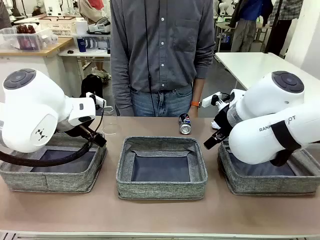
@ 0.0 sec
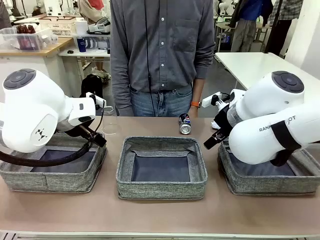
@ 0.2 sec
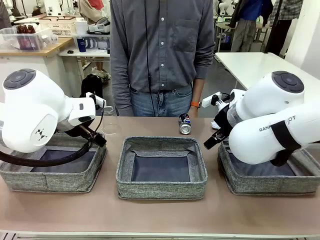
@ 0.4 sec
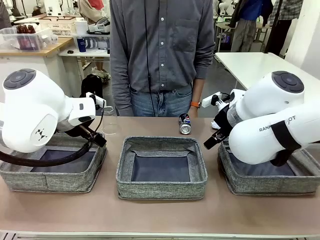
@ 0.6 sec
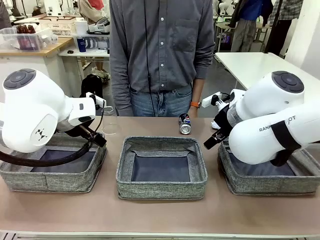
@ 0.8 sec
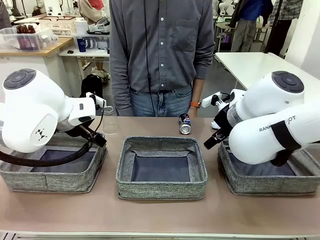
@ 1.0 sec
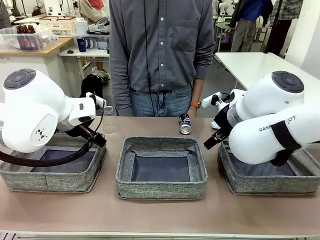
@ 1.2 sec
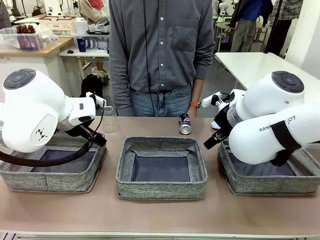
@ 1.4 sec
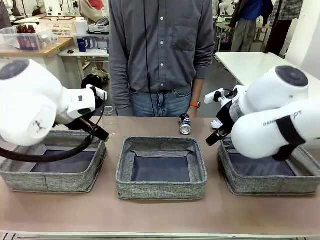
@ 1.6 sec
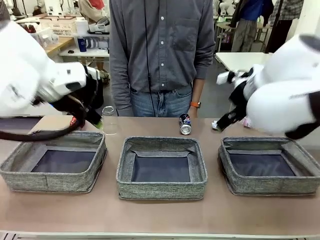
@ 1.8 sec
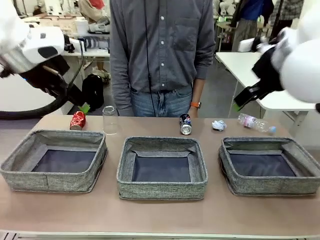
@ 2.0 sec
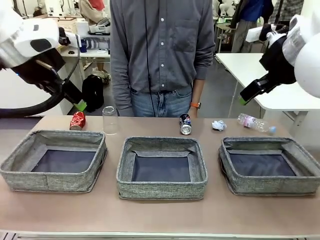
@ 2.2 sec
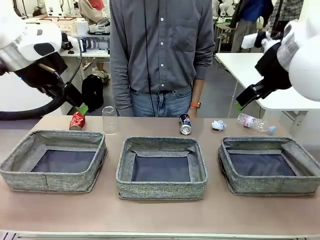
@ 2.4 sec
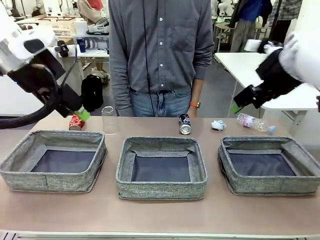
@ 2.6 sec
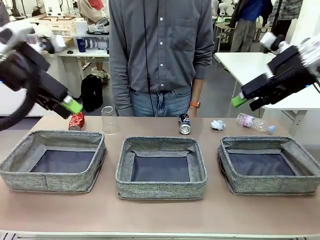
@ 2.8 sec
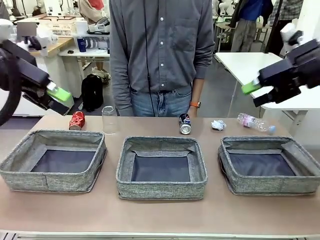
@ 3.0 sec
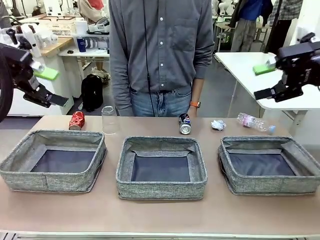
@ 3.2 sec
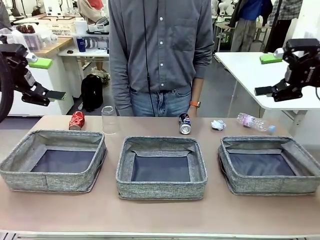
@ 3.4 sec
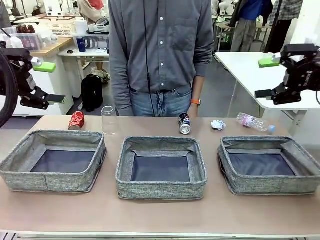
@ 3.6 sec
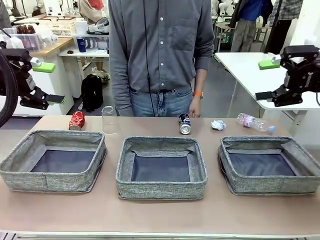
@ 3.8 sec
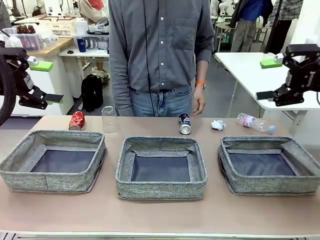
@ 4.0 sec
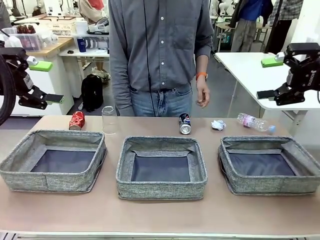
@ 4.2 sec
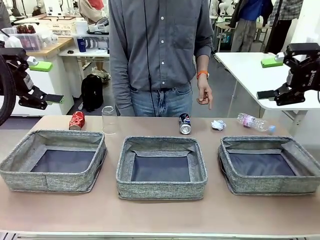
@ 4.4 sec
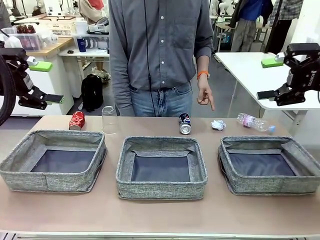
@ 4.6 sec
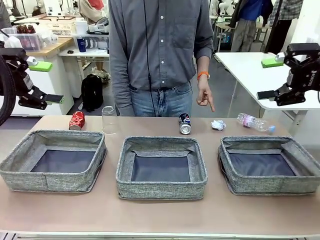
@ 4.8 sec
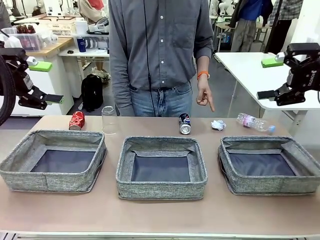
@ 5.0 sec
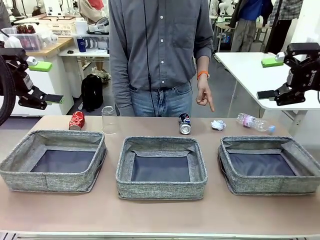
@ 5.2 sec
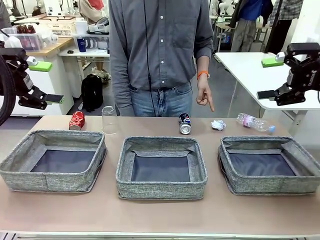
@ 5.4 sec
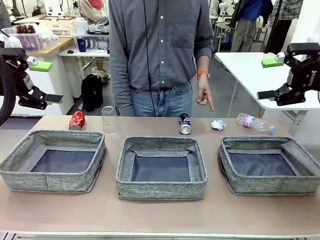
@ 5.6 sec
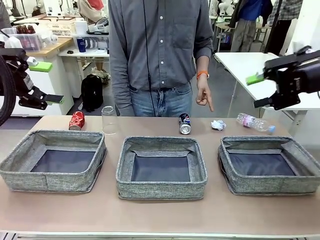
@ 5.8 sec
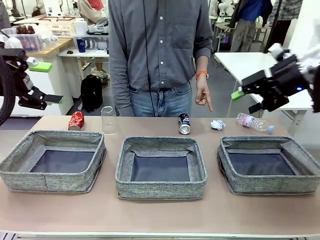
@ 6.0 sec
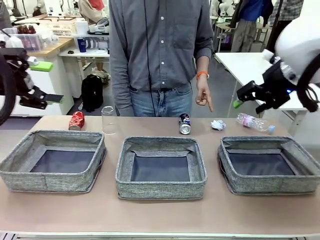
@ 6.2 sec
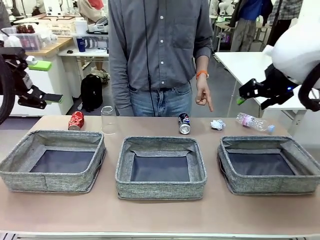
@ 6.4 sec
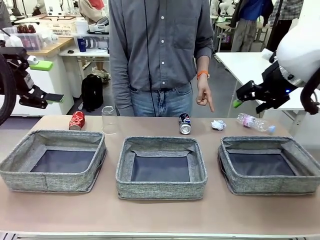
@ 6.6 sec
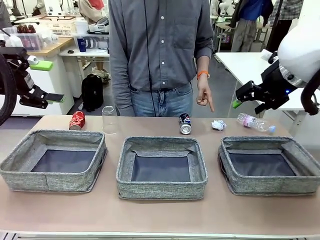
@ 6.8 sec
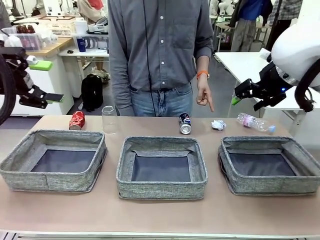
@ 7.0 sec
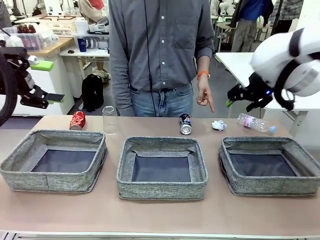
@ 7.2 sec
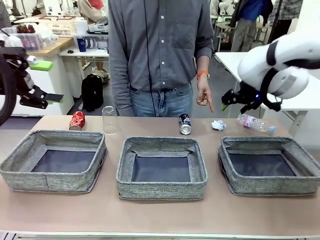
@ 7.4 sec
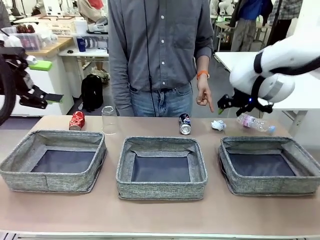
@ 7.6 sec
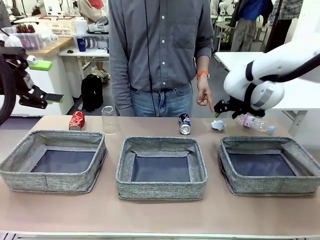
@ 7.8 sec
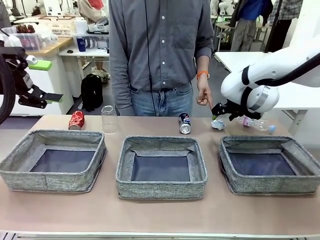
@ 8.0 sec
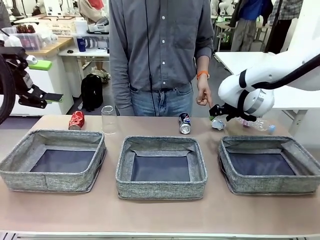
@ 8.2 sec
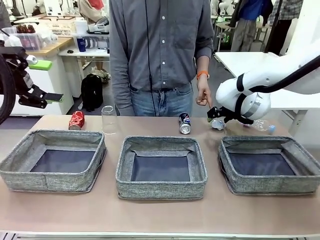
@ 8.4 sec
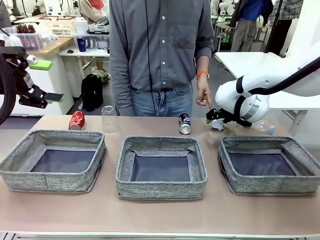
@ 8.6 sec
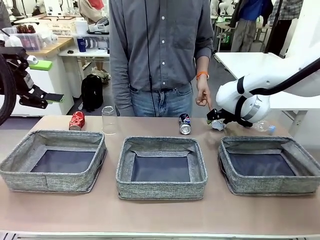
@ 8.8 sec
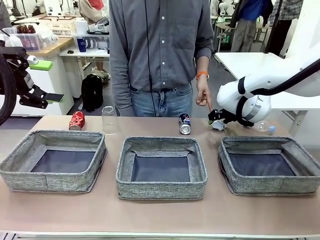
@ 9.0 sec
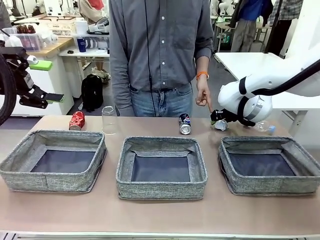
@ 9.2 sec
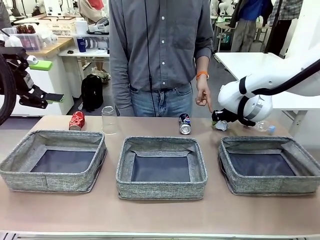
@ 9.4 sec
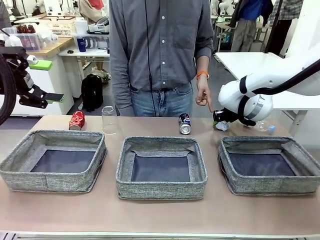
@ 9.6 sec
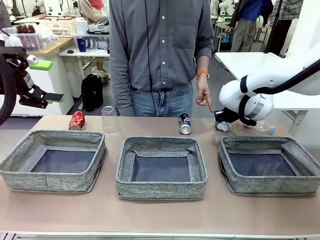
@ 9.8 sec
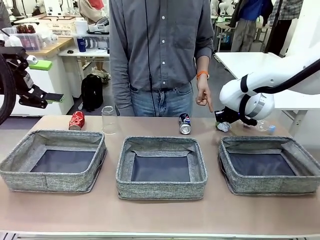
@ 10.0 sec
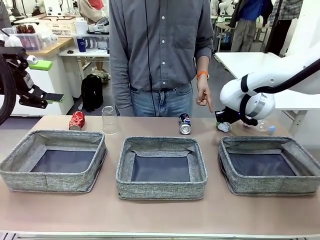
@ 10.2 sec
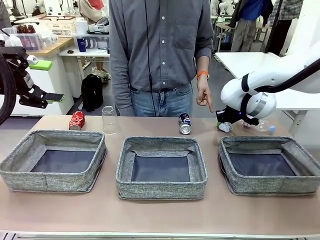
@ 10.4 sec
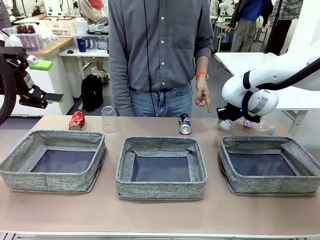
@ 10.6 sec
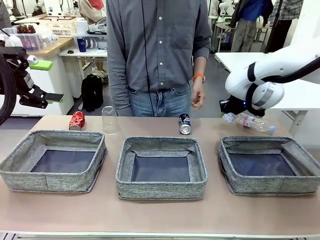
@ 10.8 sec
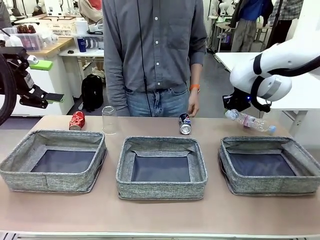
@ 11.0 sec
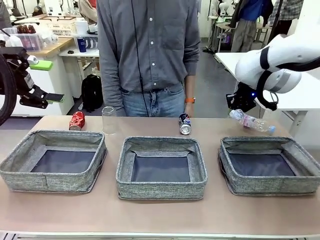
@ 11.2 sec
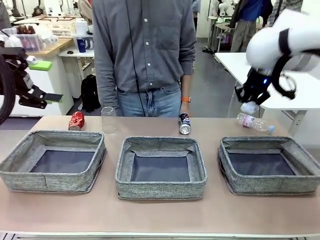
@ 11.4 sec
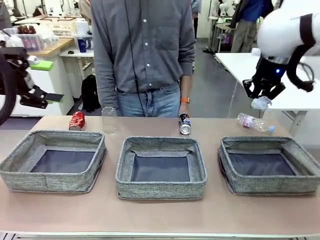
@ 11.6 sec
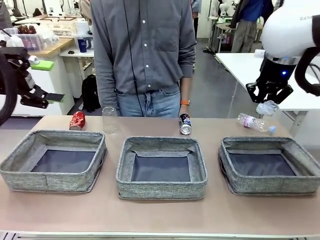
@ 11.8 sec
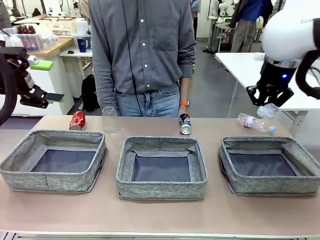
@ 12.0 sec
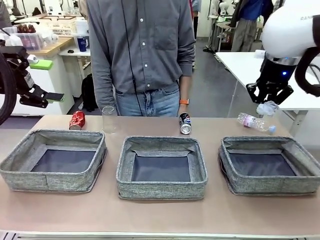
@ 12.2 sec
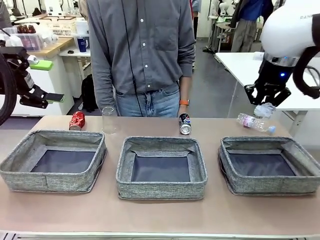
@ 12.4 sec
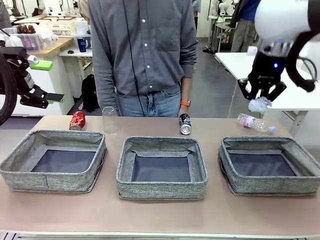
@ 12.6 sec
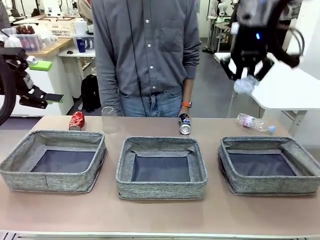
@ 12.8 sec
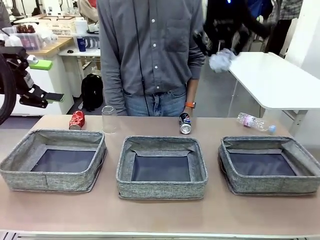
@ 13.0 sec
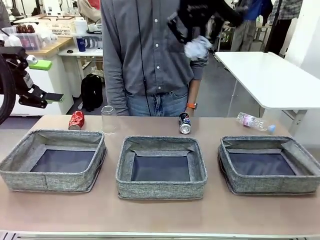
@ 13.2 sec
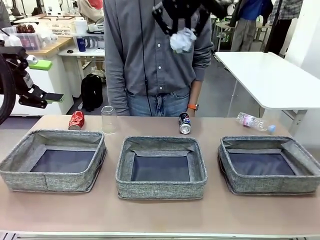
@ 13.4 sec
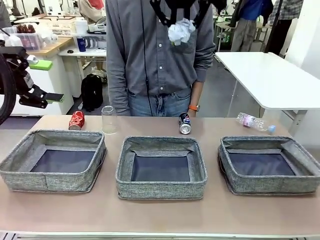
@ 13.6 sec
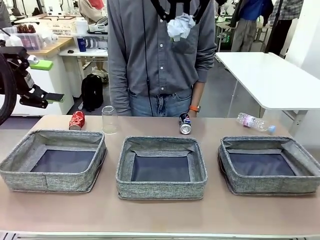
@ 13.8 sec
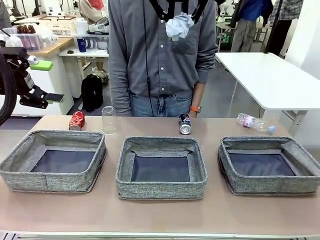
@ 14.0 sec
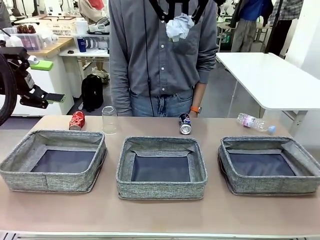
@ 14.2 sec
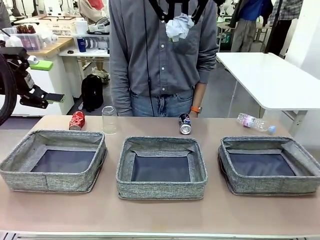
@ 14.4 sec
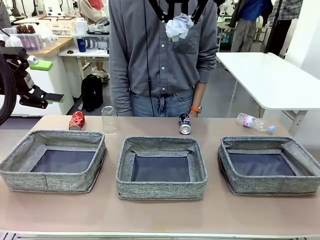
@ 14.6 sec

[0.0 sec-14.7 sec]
Task: Sort the waste into the appropriate baskets.
Robot: Pick up the waste item pointed out by the person.
Person: Points to one piece of trash on the table.

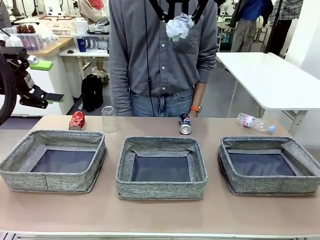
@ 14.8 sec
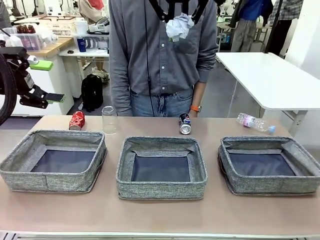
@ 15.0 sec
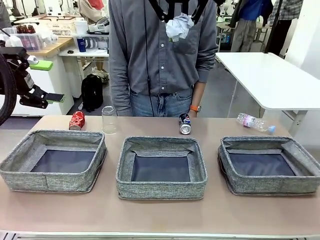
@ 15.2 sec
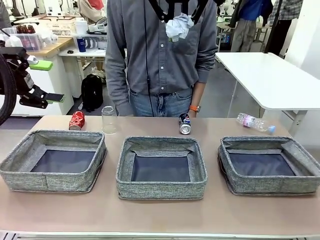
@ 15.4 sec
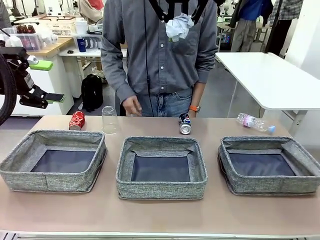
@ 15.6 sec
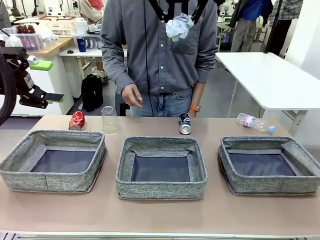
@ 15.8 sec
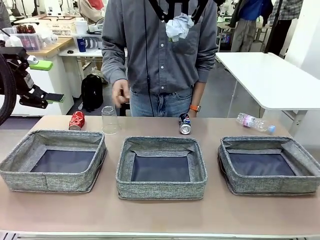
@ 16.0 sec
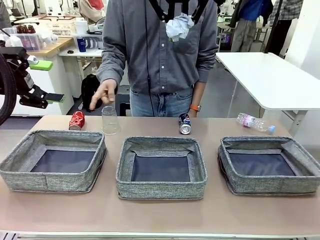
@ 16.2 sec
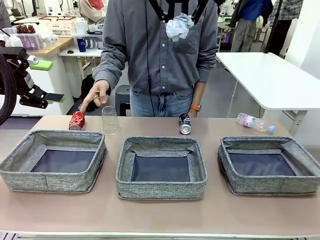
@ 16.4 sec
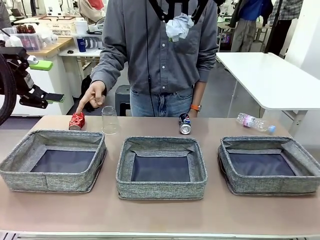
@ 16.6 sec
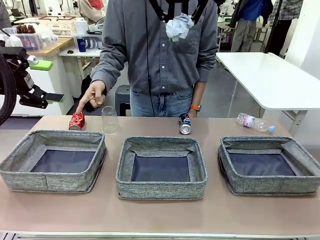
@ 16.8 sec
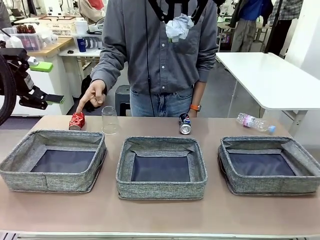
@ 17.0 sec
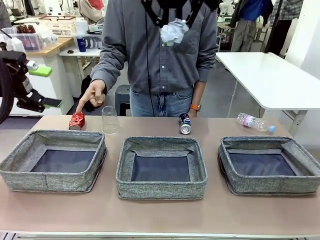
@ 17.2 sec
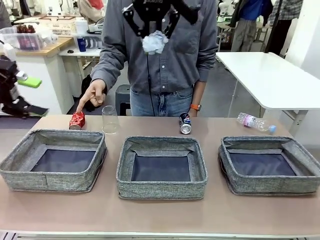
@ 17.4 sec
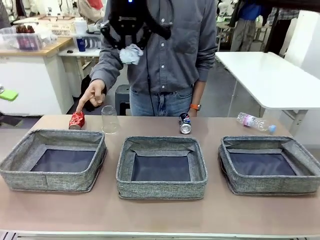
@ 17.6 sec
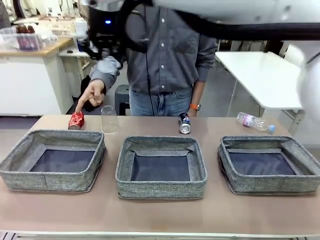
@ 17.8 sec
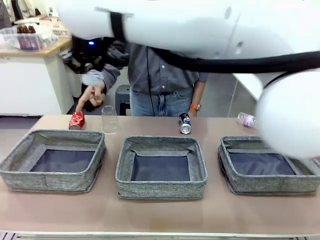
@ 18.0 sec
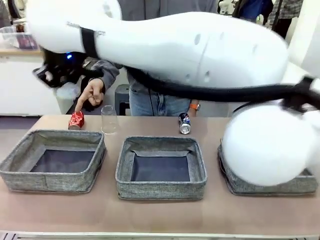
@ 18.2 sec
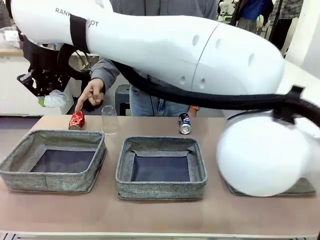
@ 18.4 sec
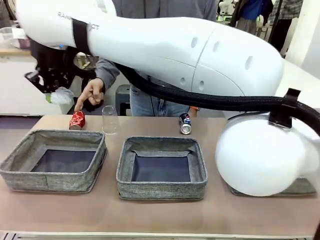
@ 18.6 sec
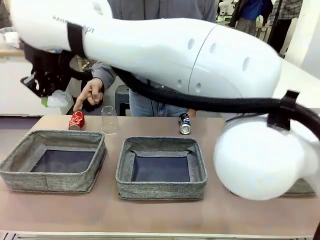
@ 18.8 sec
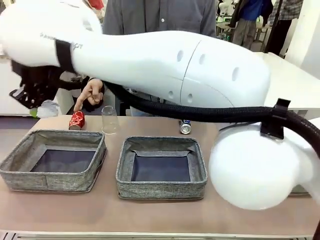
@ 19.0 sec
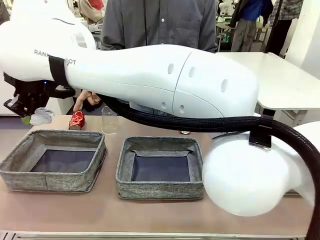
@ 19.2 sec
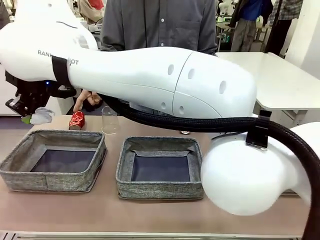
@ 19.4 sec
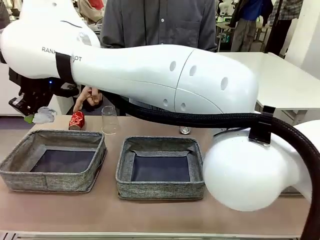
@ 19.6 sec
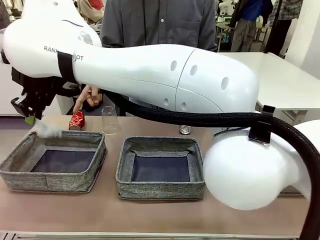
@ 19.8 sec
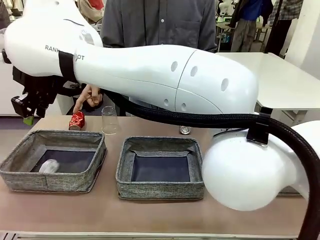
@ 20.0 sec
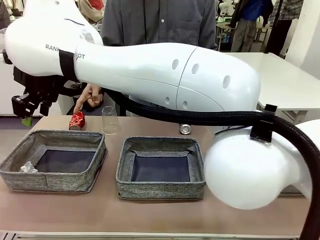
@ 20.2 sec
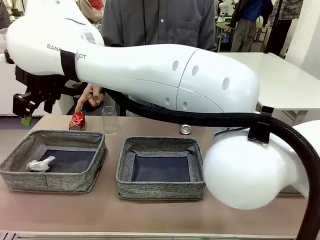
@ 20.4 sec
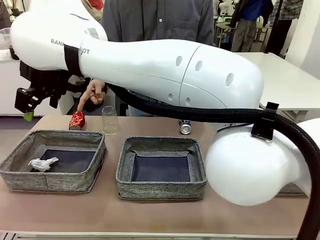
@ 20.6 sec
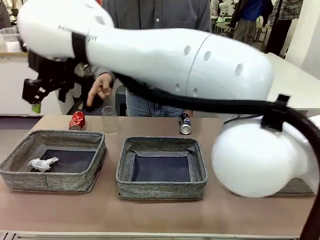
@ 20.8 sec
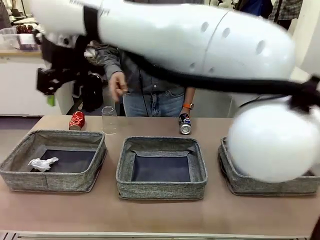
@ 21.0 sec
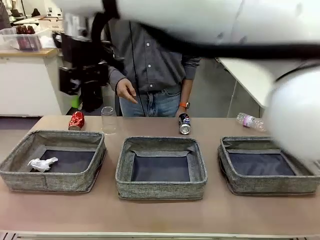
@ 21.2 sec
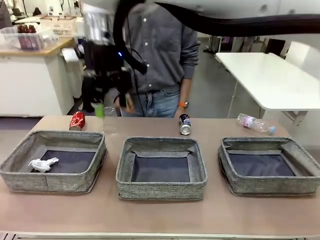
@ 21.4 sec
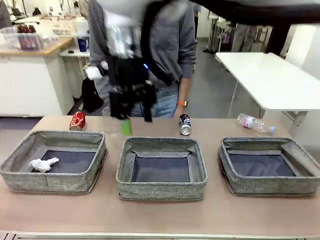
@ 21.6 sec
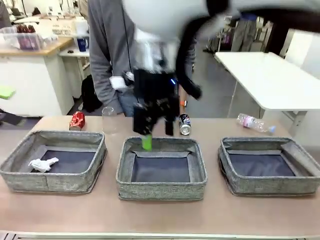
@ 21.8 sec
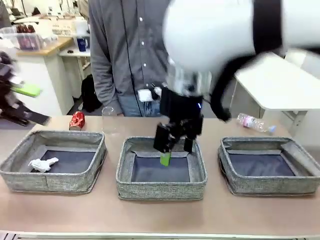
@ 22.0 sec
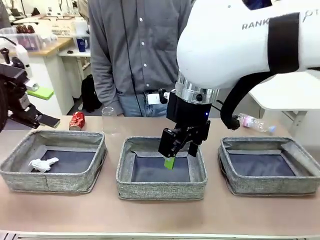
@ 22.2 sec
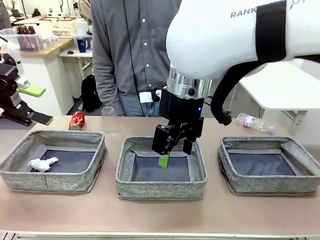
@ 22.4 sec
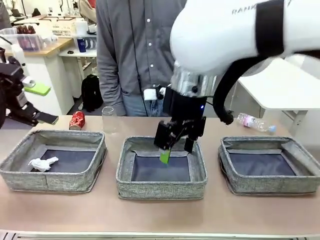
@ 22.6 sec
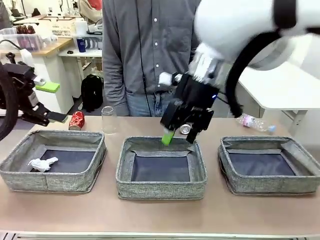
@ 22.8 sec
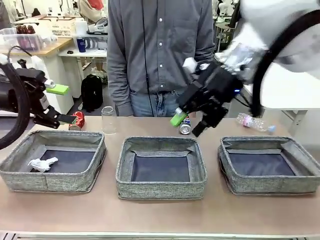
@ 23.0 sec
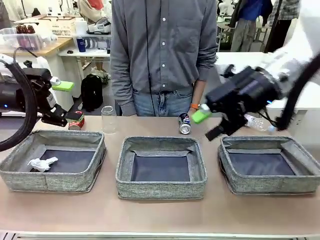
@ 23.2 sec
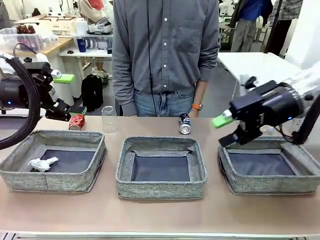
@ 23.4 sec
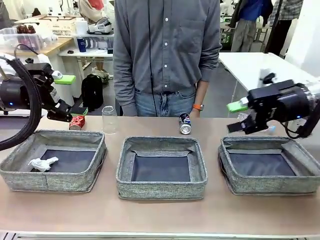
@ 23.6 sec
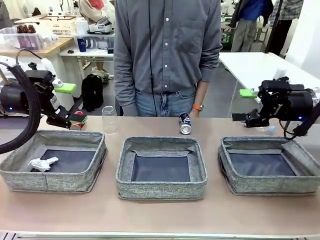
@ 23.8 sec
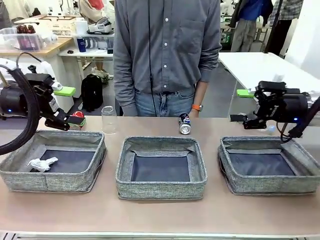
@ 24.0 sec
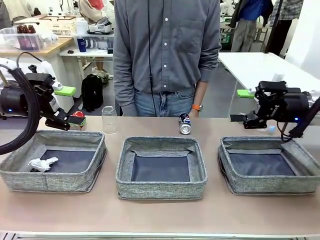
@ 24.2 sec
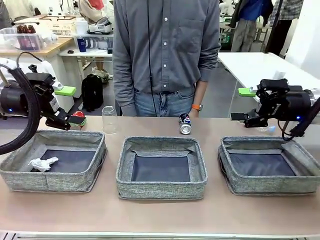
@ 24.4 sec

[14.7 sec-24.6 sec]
Robot: Place the picked waste into the Fabric basket indicated by the person.
Person: Instructs the robot to place the picked-up trash into the appropriate organizing basket.
